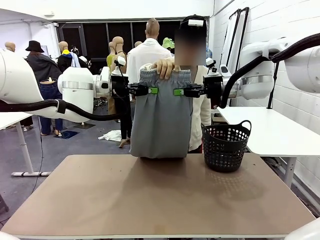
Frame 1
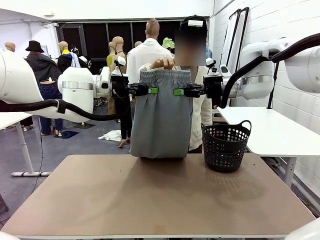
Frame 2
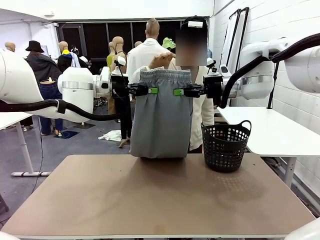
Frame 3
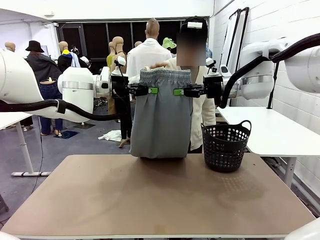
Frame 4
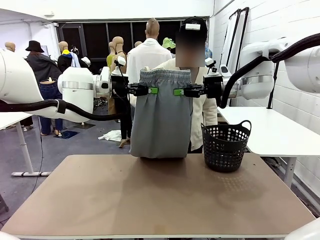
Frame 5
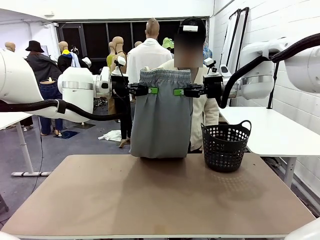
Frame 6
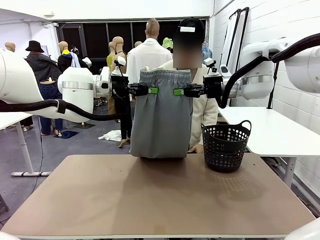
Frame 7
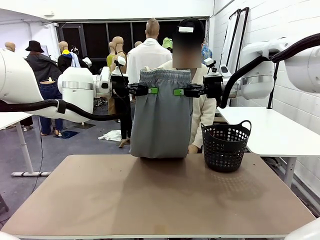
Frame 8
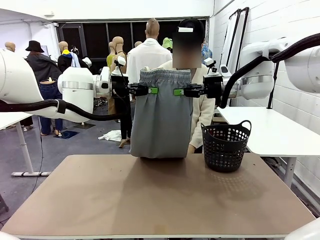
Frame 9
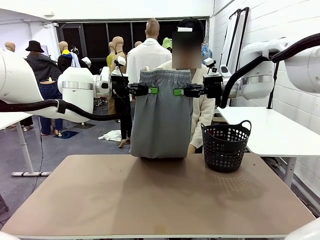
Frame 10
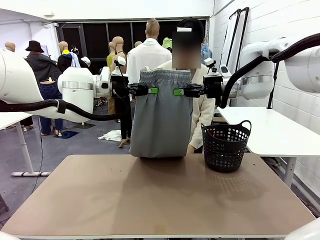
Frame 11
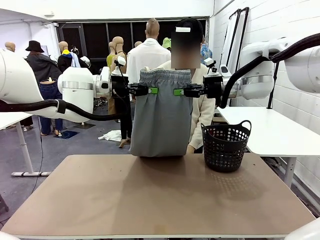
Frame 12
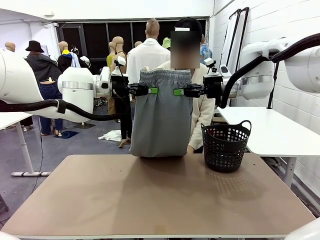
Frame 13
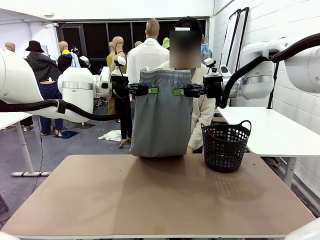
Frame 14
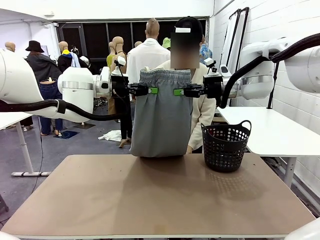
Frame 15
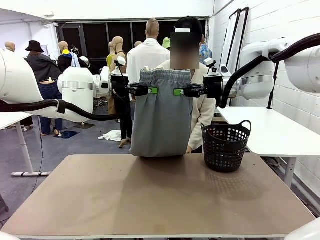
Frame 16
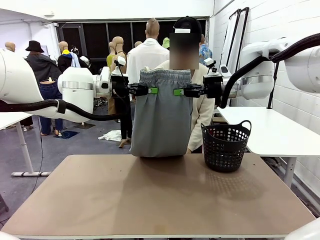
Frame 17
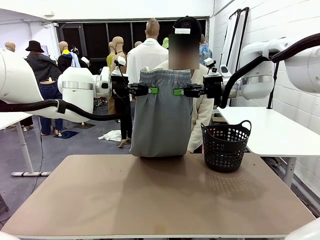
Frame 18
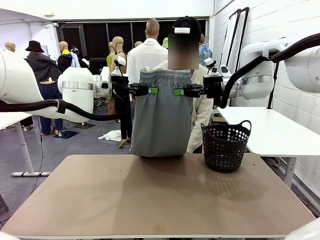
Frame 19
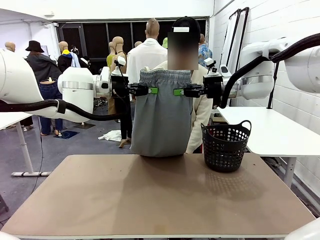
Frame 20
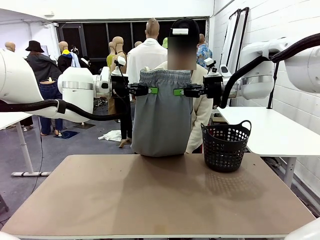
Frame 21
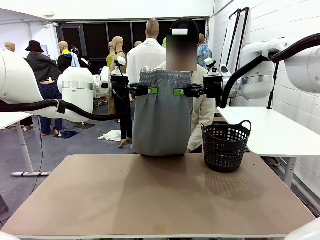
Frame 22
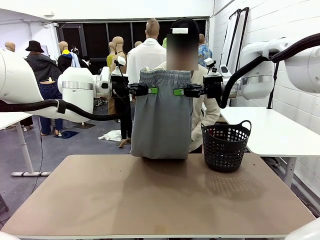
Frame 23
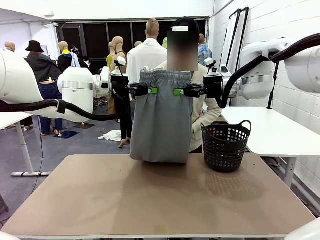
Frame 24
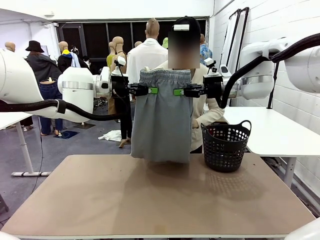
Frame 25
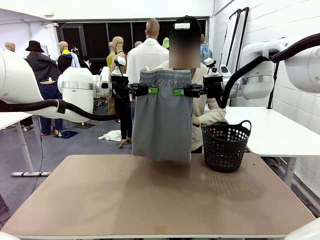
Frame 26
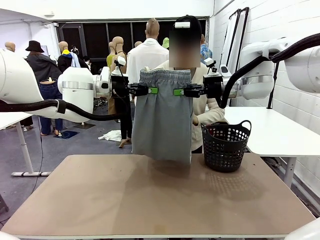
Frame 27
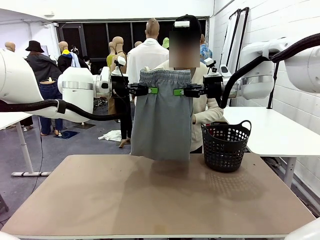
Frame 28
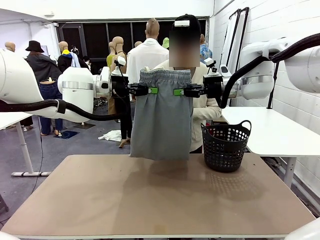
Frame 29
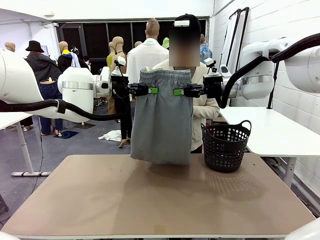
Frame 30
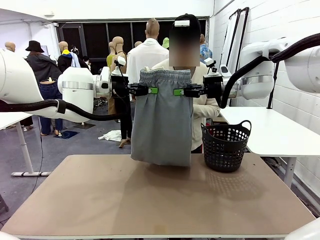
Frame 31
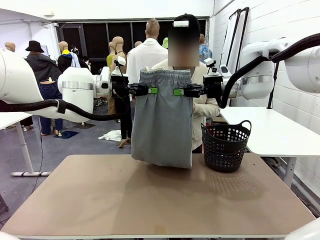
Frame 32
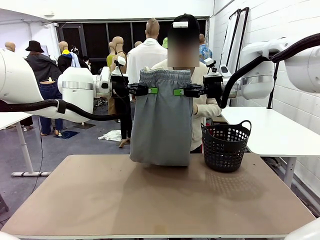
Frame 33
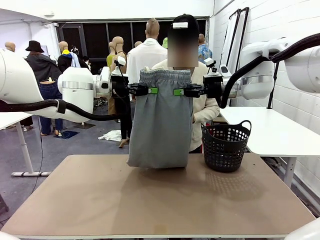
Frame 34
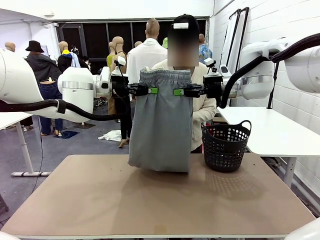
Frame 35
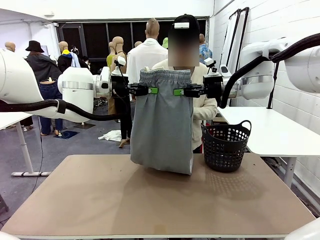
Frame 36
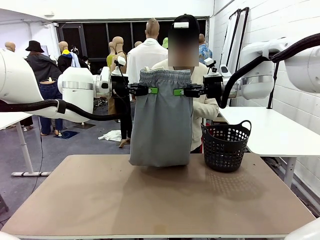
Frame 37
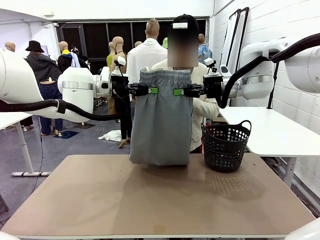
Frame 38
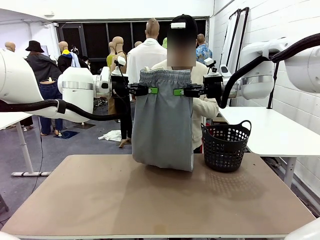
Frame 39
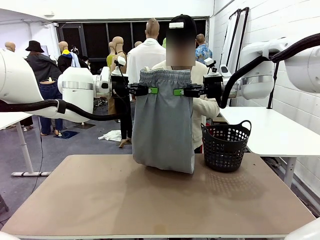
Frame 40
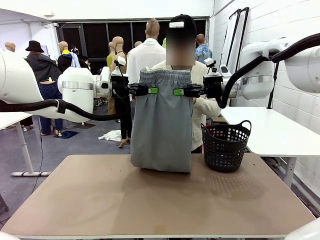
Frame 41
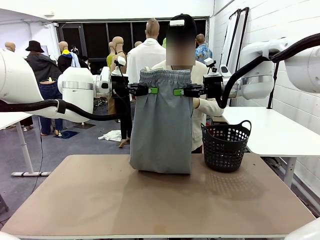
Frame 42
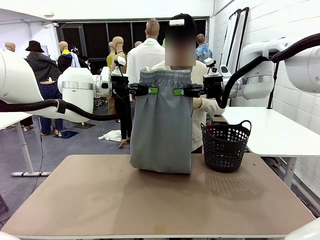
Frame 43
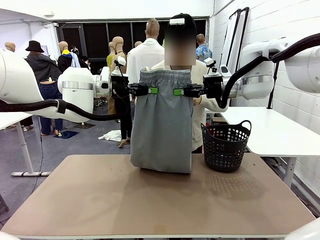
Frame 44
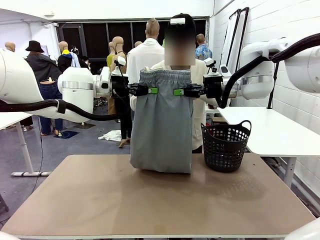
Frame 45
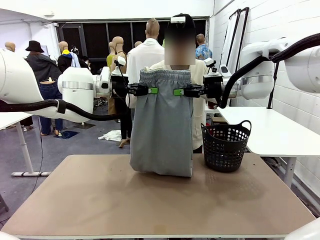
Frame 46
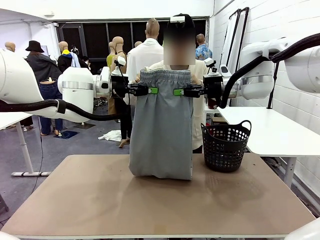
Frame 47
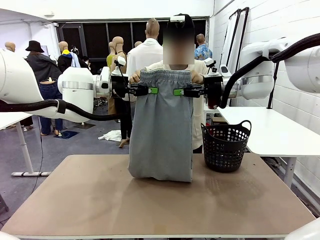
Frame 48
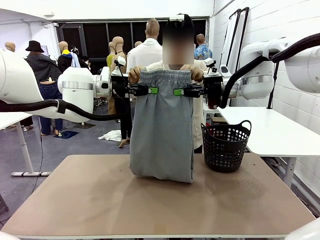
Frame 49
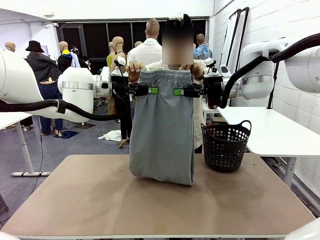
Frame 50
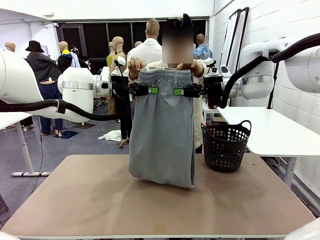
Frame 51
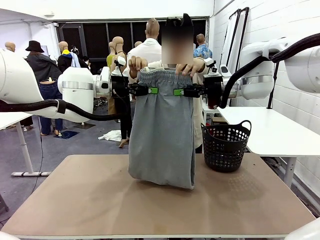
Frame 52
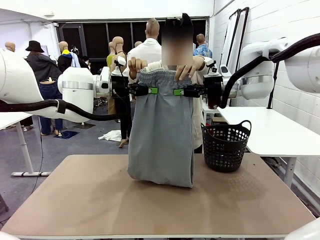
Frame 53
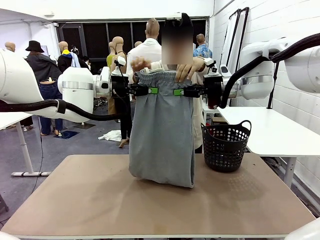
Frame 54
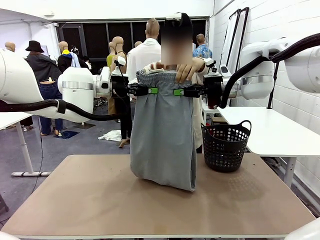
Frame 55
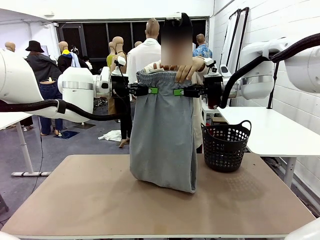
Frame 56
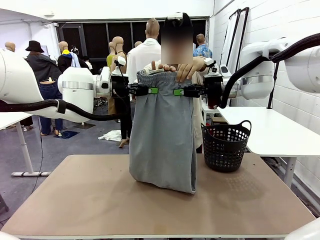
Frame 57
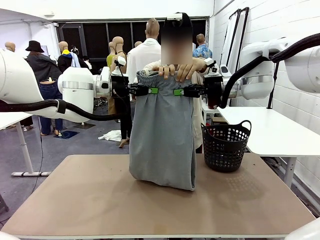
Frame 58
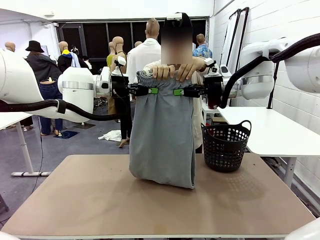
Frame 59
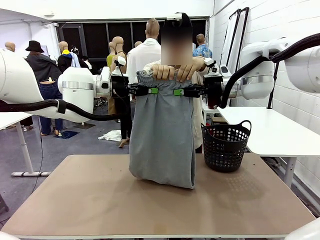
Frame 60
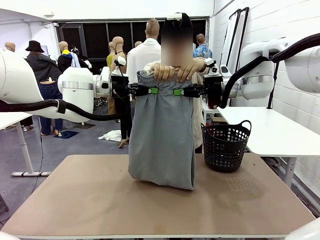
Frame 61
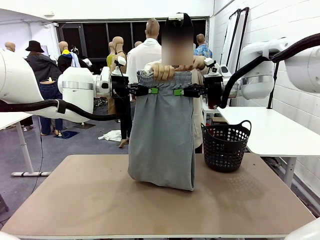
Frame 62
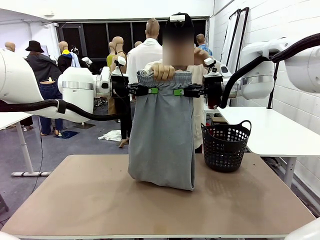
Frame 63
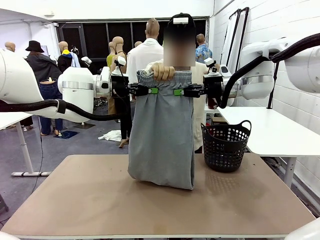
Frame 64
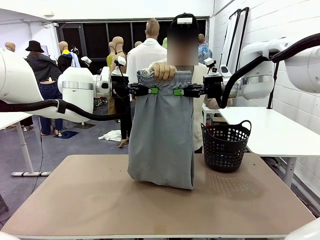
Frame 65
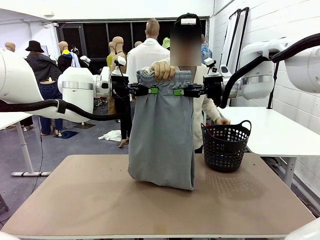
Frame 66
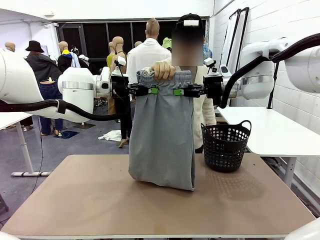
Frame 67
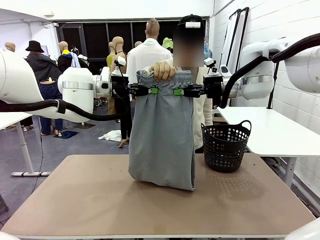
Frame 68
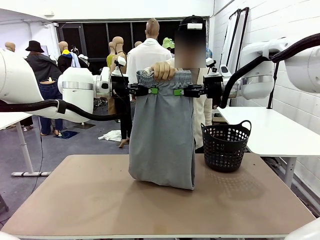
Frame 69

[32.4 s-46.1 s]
Task: Fold the training pants.
Robot: Release the ends of the Training pants and then grab the overlapped ends.
Person: Grasp the end opposite the point the robot is holding, fold the pants in half, and then grasp the overlapping top end of the folded pants.
